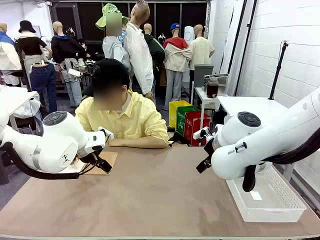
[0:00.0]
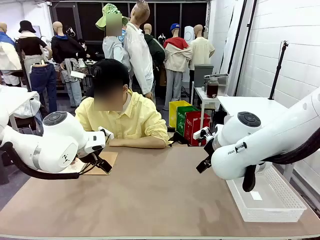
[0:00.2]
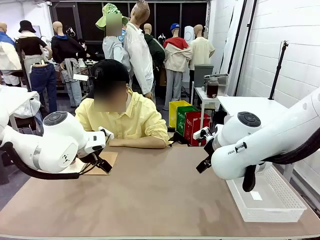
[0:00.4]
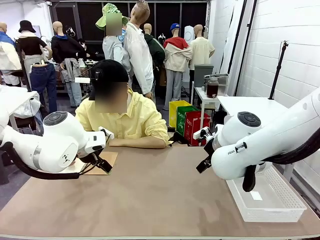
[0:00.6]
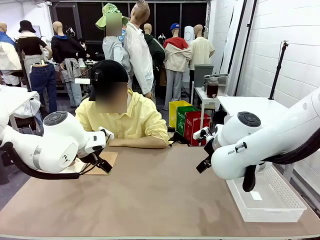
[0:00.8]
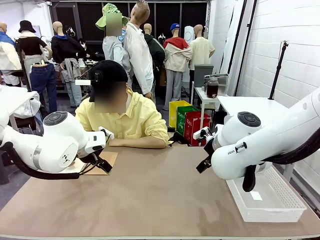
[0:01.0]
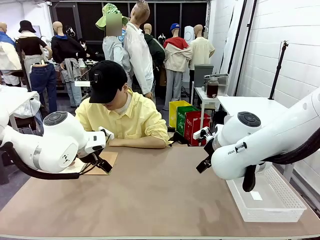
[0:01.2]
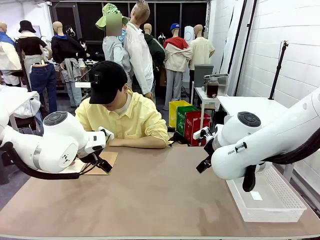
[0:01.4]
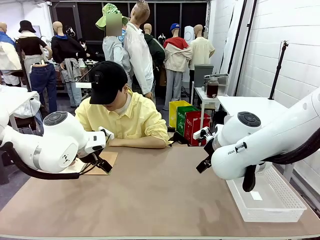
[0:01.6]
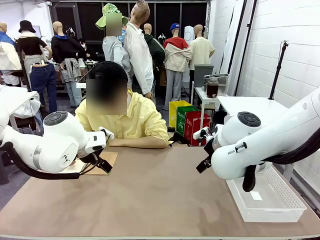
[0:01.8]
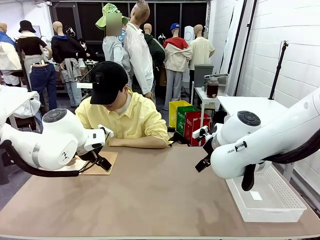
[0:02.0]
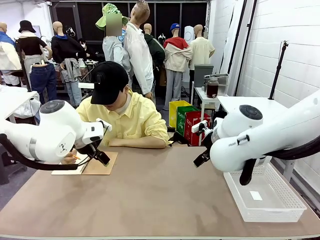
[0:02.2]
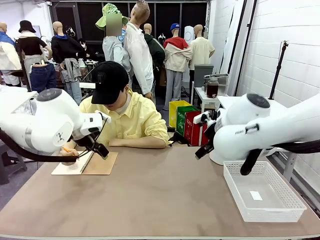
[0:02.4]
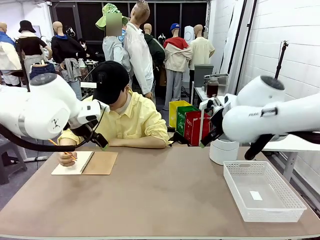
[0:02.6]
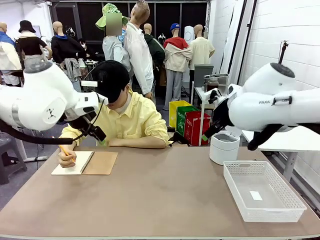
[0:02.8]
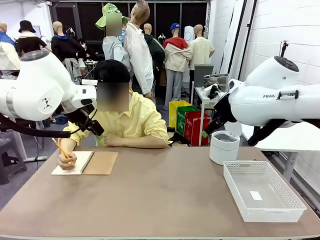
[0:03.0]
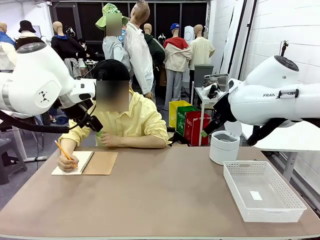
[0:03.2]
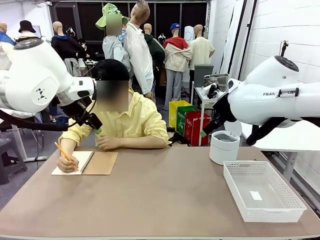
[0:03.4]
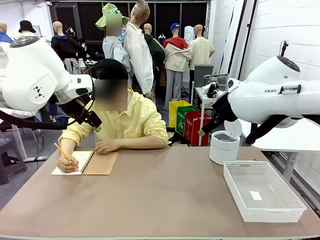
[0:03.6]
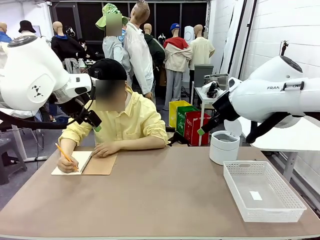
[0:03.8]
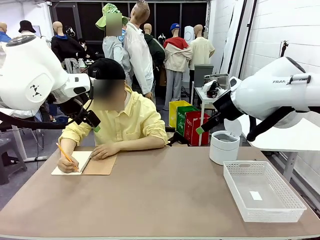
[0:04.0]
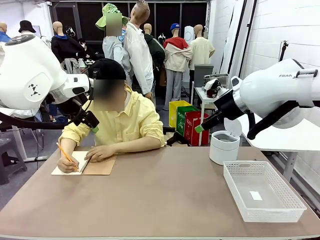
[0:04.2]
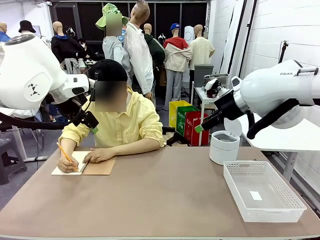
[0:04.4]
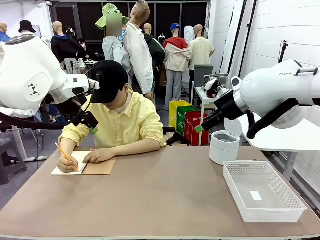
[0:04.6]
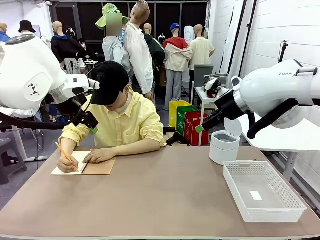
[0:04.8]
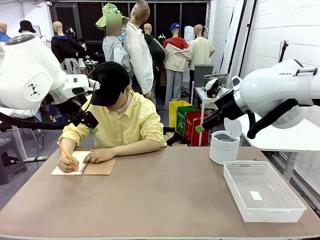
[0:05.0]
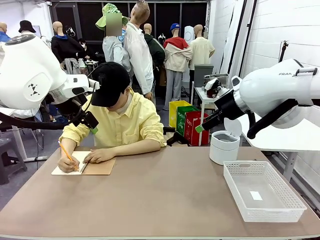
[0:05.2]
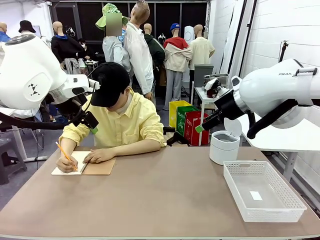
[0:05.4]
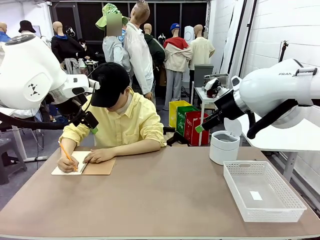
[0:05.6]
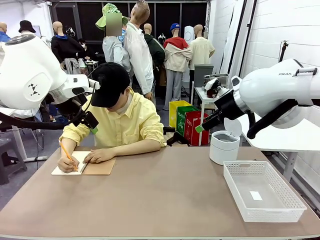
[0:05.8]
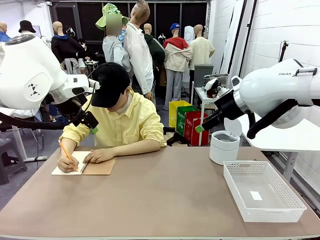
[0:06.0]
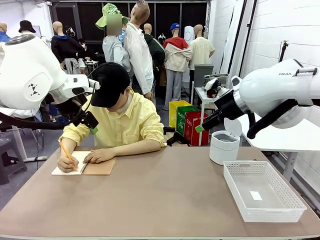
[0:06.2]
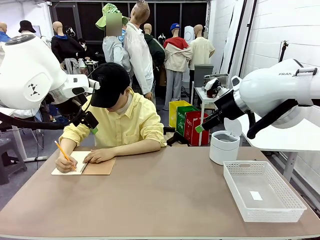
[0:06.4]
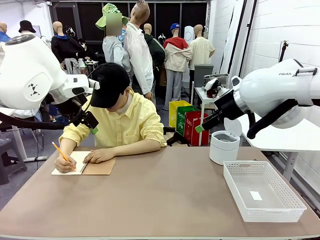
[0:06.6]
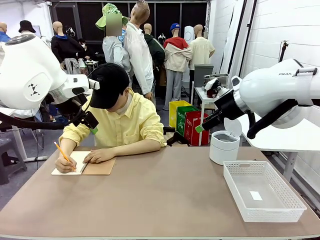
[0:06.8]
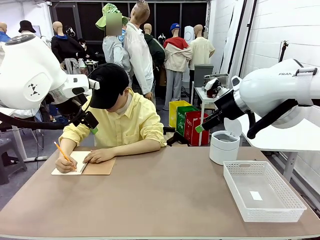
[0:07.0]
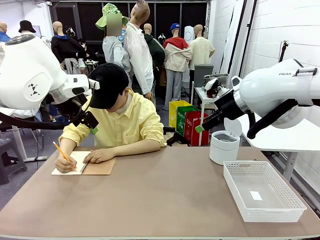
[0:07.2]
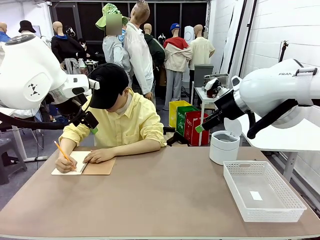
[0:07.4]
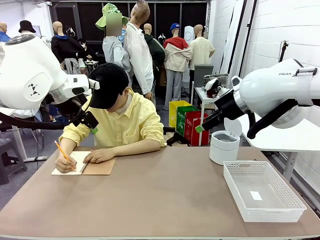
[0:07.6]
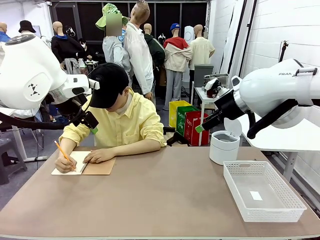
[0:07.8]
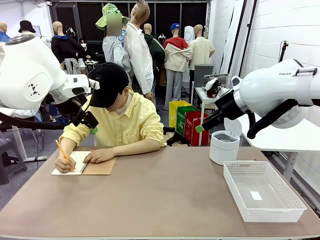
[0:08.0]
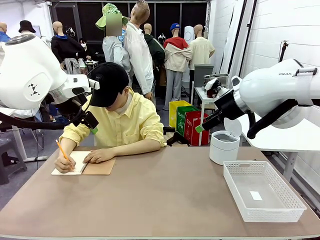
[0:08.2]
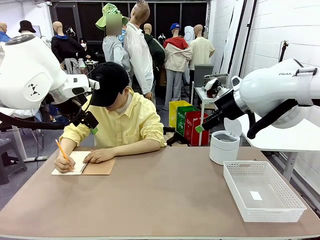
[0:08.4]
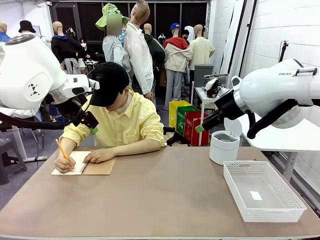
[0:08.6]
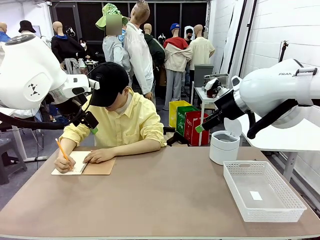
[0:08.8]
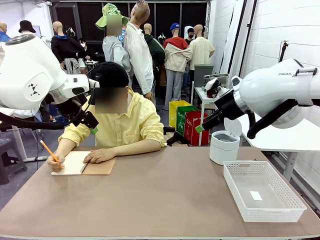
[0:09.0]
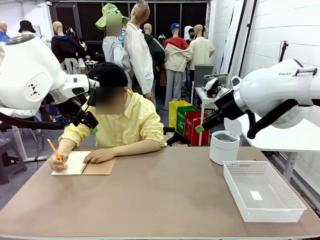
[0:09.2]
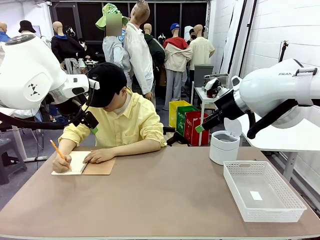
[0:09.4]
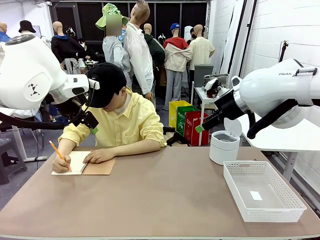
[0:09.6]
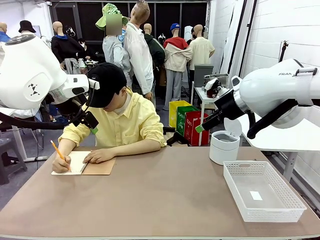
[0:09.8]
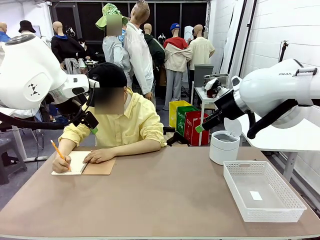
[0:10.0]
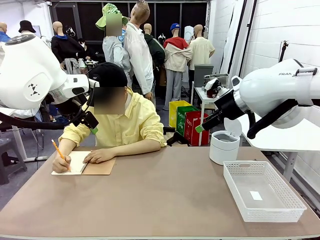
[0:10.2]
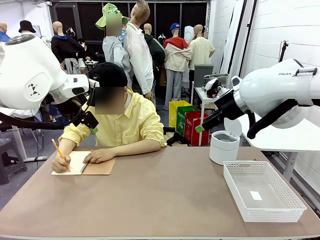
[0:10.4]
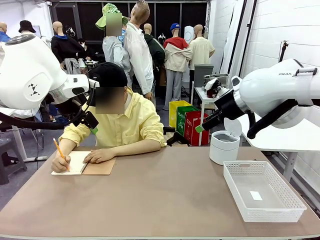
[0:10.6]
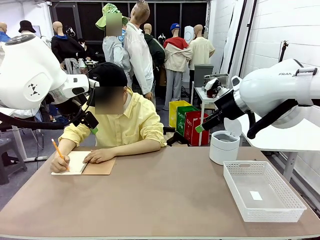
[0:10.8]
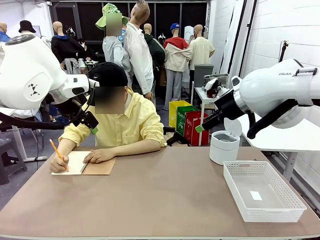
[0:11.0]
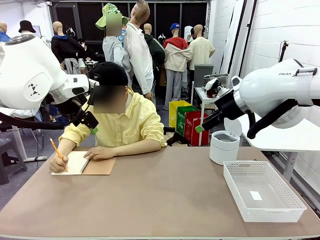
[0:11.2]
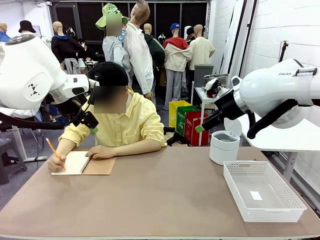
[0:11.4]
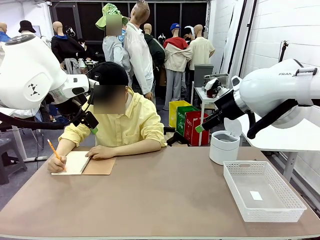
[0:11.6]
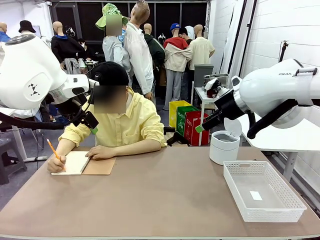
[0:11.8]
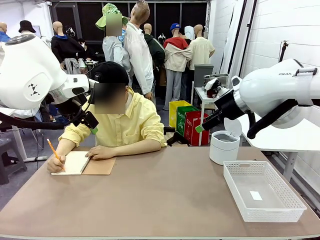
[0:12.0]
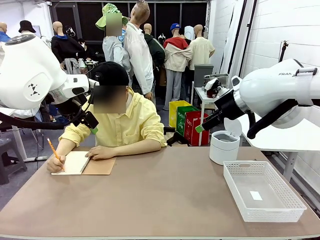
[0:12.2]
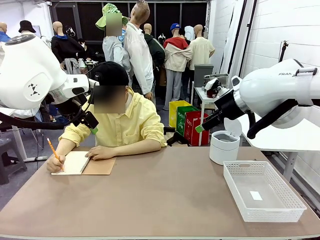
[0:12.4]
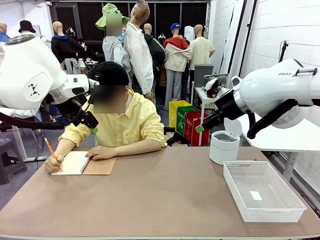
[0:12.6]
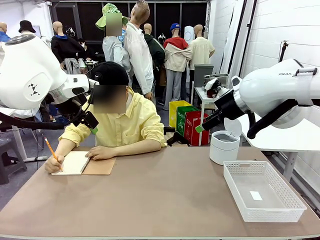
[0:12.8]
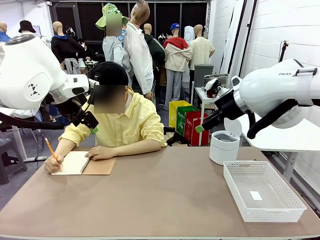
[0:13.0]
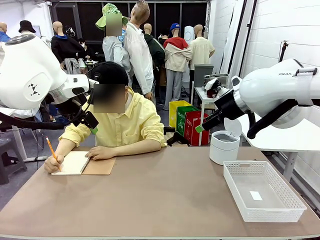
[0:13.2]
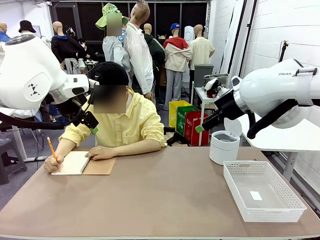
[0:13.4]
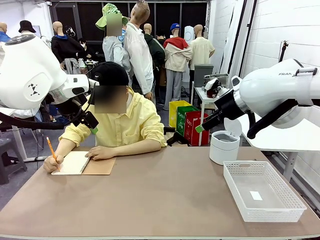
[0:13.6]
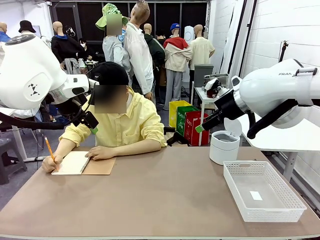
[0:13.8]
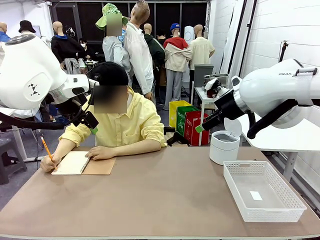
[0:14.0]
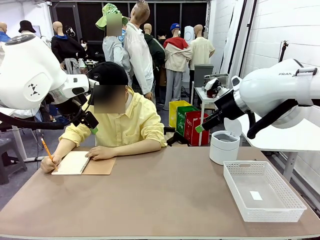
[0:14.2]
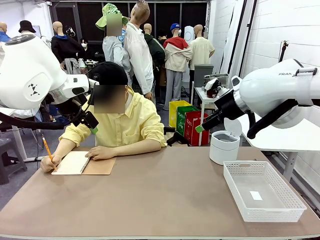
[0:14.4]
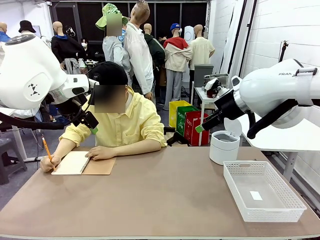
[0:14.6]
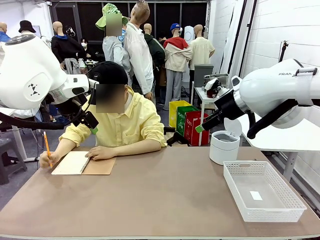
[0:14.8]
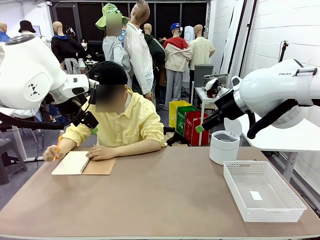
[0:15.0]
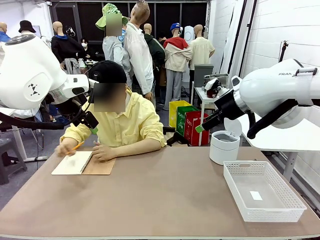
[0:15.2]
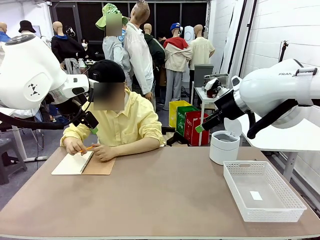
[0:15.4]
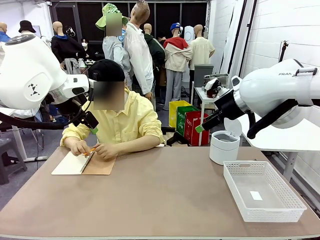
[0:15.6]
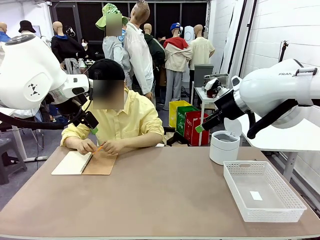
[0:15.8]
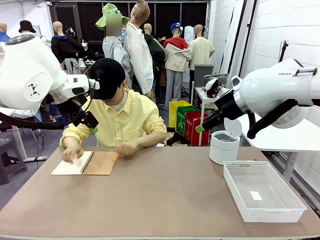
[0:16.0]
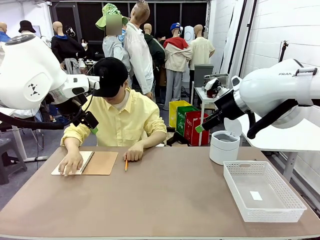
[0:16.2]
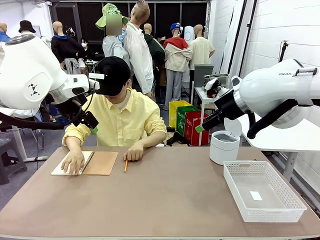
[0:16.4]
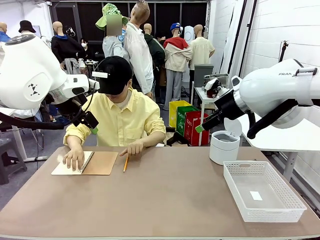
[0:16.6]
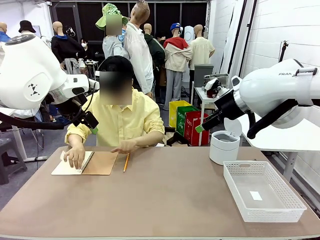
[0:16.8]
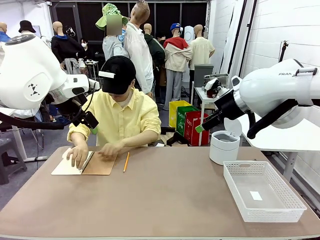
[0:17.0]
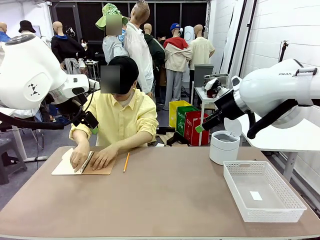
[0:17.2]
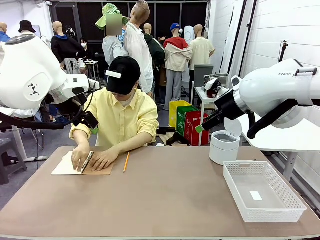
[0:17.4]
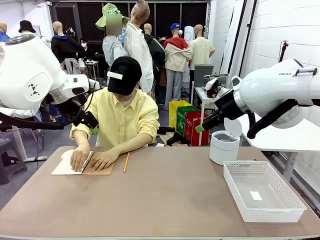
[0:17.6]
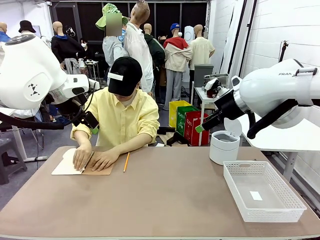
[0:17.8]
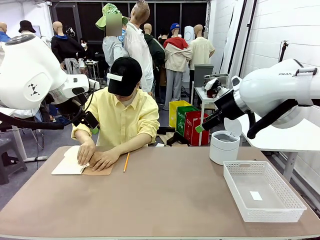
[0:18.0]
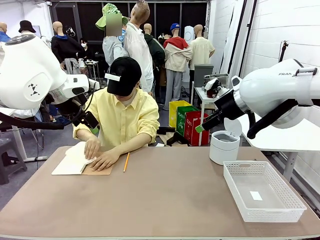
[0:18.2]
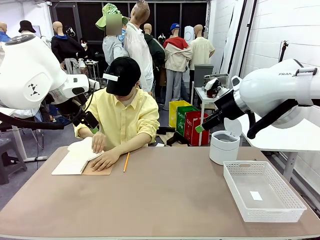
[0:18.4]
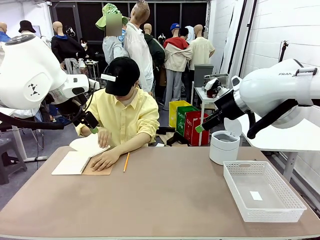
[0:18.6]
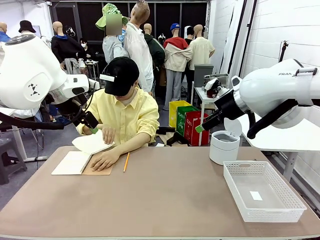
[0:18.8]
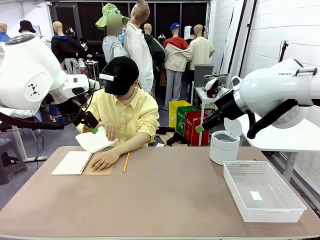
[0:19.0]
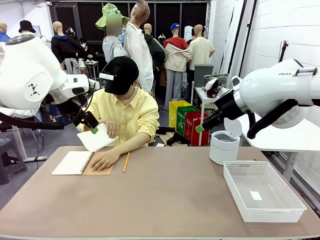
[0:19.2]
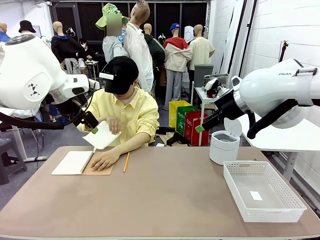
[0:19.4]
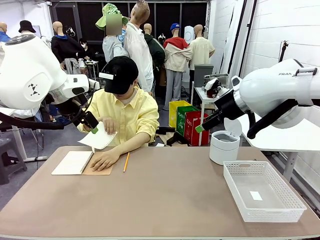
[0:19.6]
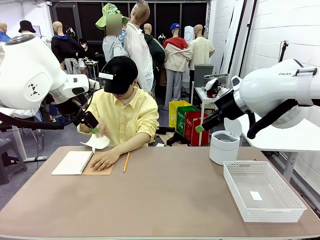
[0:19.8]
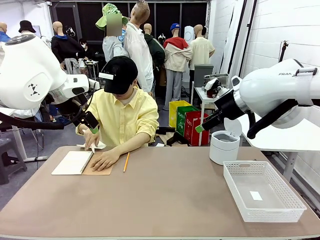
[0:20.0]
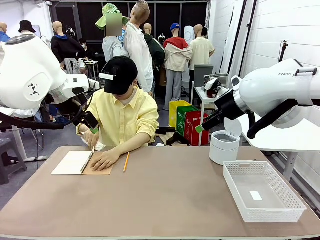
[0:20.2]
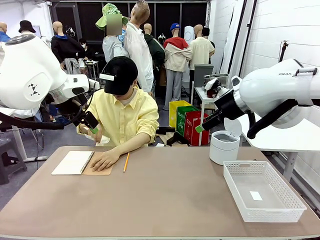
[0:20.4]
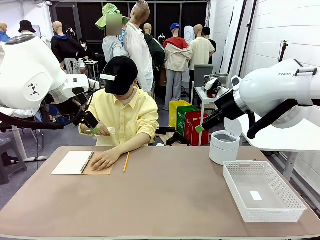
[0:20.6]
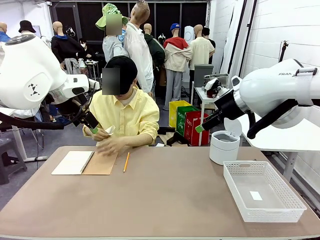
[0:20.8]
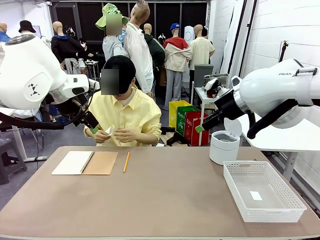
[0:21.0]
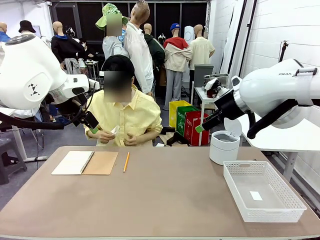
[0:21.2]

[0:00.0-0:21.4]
Task: Sort the paper based on its condition.
Robot: If a person hands you a paper, place it in the Organizing basket , and if it's crumpled, put it in the Trash can.
Person: Tear out a page from the spiral notebook.
